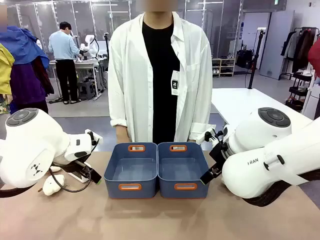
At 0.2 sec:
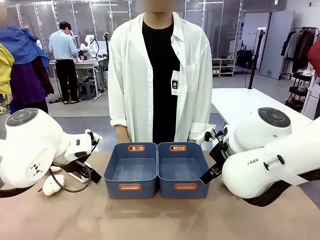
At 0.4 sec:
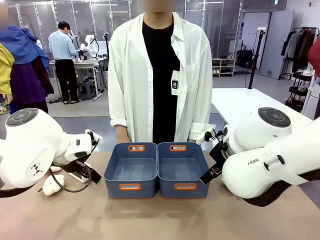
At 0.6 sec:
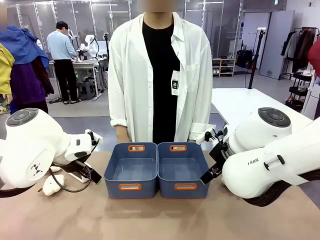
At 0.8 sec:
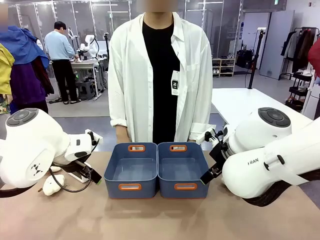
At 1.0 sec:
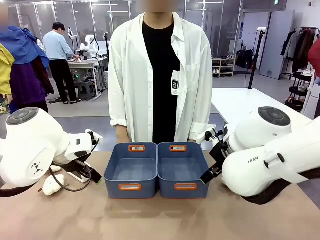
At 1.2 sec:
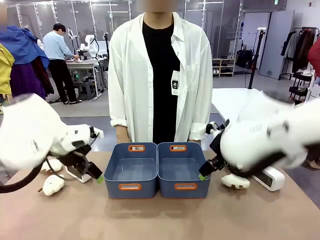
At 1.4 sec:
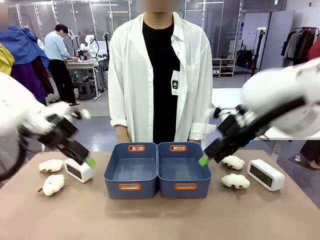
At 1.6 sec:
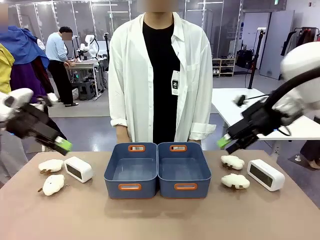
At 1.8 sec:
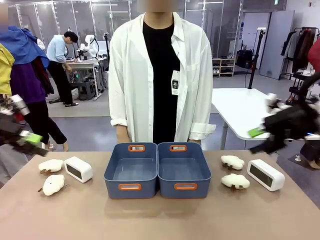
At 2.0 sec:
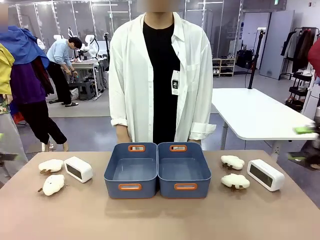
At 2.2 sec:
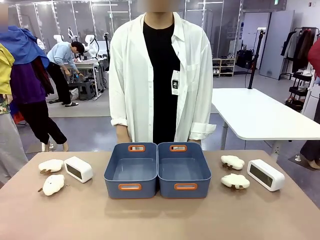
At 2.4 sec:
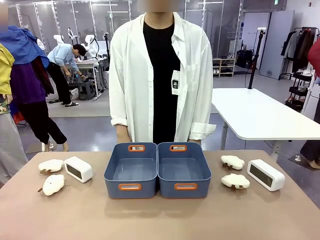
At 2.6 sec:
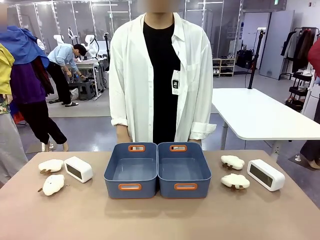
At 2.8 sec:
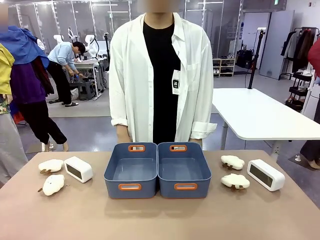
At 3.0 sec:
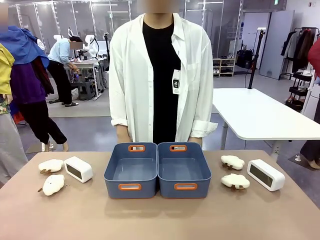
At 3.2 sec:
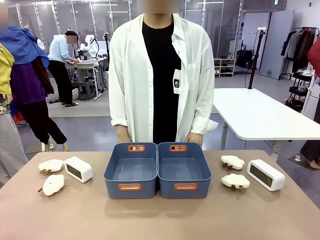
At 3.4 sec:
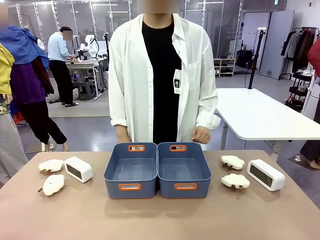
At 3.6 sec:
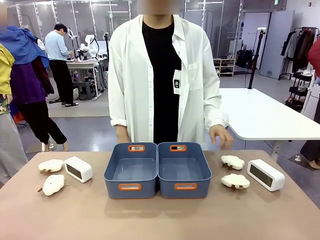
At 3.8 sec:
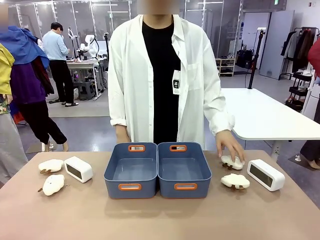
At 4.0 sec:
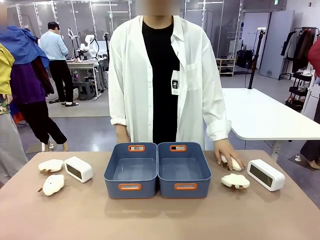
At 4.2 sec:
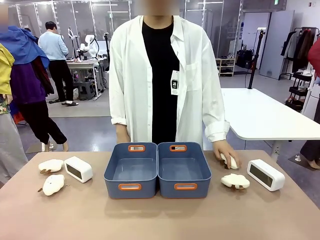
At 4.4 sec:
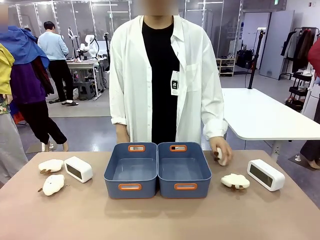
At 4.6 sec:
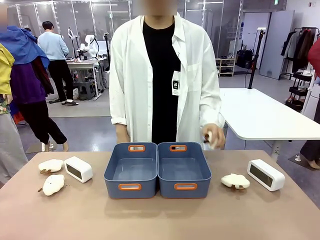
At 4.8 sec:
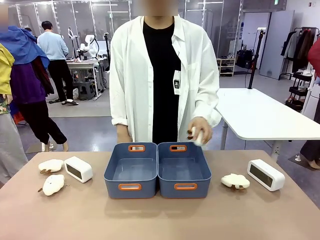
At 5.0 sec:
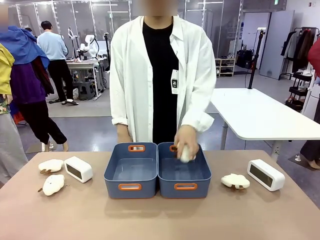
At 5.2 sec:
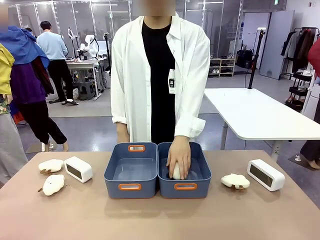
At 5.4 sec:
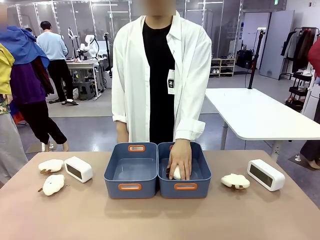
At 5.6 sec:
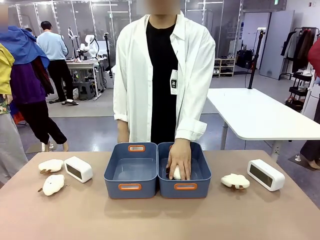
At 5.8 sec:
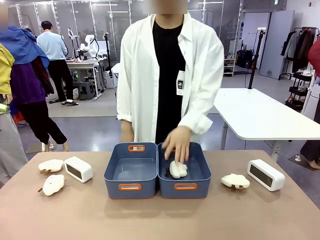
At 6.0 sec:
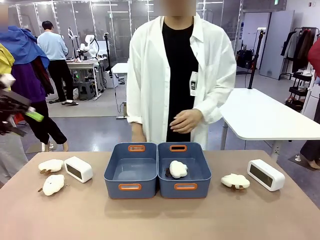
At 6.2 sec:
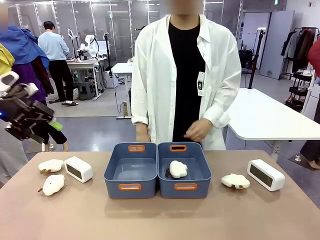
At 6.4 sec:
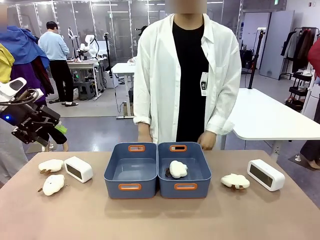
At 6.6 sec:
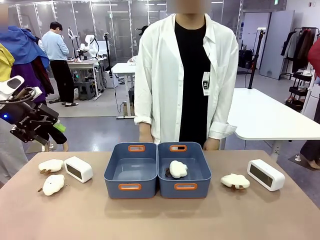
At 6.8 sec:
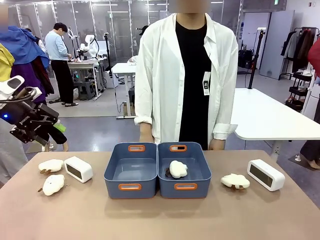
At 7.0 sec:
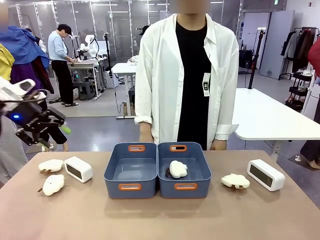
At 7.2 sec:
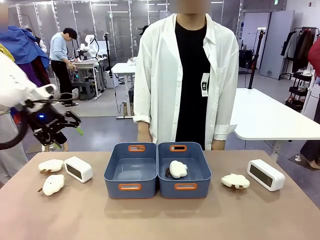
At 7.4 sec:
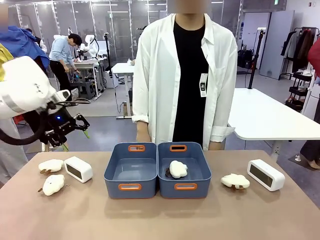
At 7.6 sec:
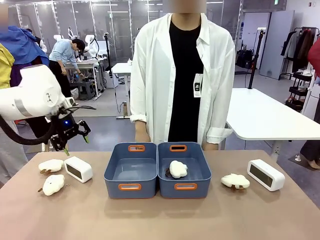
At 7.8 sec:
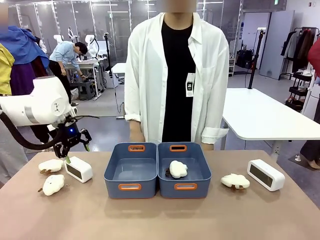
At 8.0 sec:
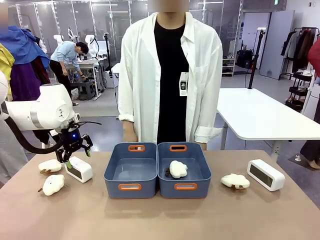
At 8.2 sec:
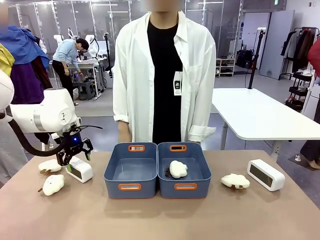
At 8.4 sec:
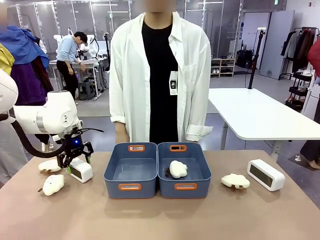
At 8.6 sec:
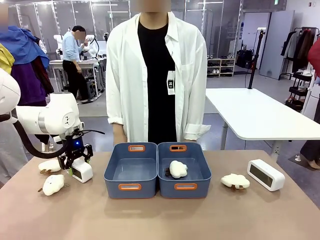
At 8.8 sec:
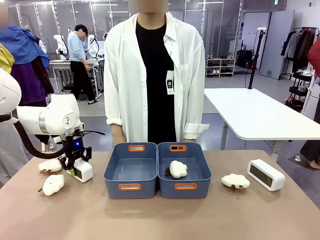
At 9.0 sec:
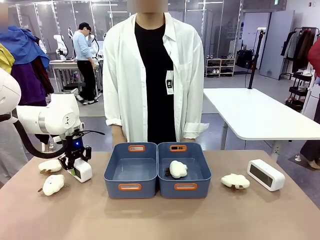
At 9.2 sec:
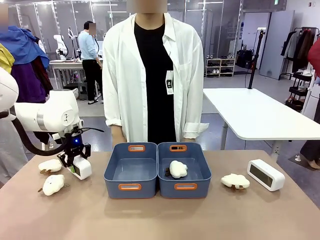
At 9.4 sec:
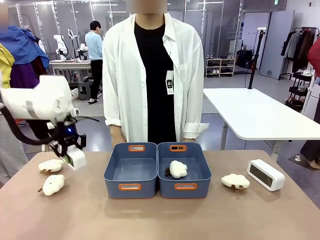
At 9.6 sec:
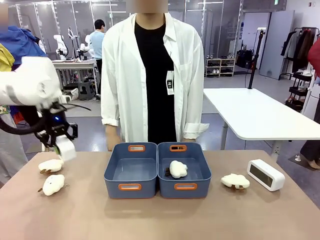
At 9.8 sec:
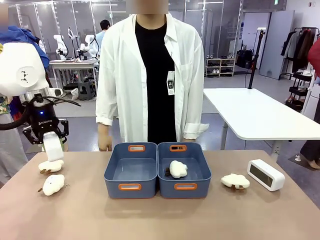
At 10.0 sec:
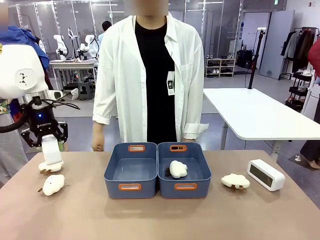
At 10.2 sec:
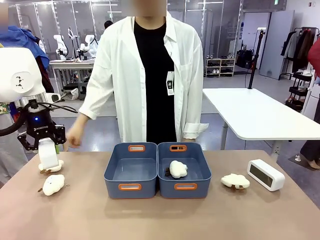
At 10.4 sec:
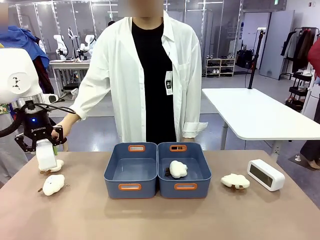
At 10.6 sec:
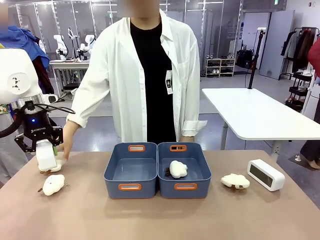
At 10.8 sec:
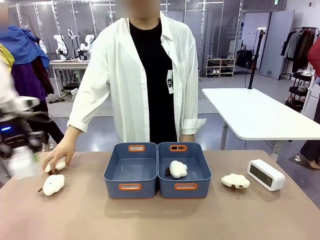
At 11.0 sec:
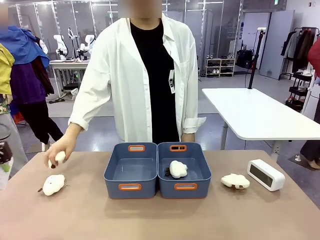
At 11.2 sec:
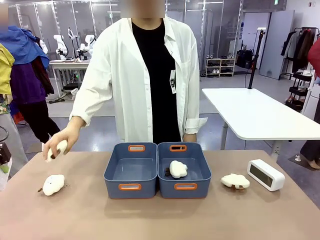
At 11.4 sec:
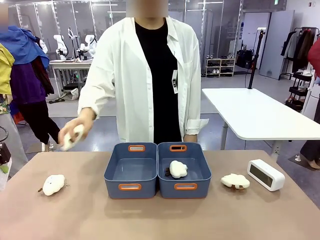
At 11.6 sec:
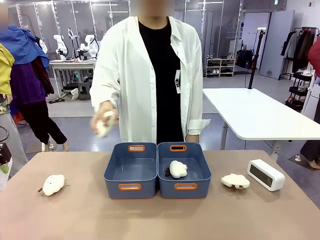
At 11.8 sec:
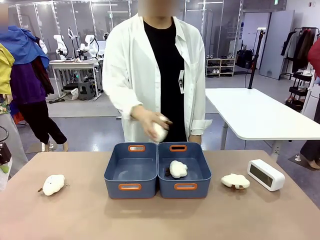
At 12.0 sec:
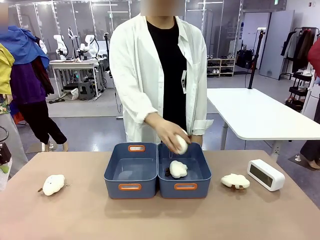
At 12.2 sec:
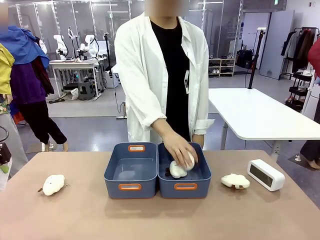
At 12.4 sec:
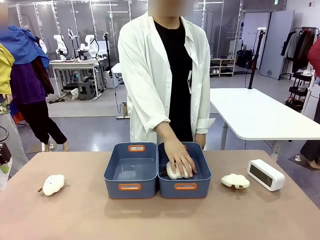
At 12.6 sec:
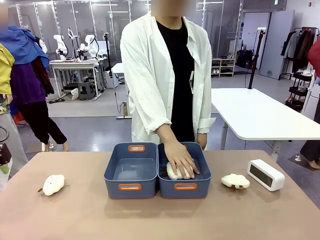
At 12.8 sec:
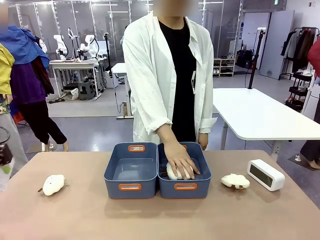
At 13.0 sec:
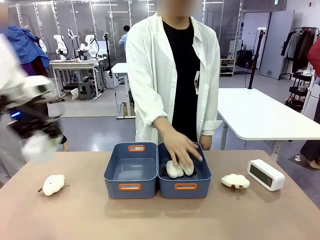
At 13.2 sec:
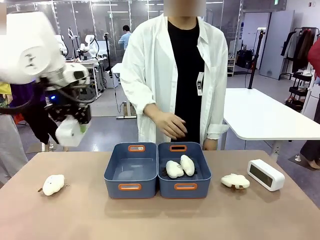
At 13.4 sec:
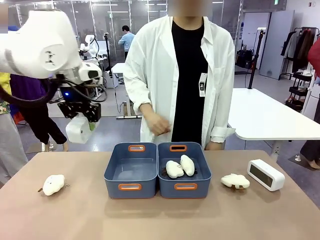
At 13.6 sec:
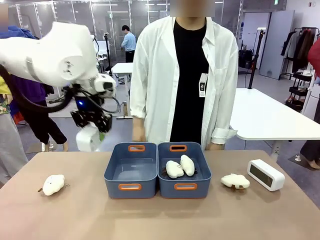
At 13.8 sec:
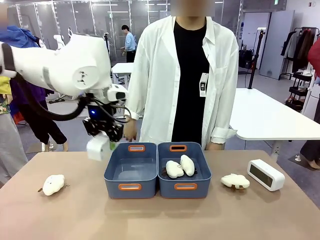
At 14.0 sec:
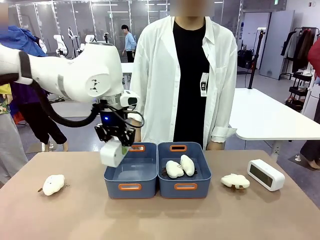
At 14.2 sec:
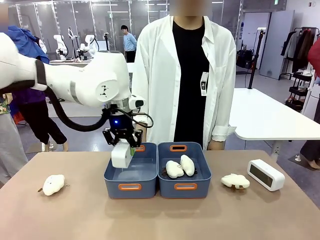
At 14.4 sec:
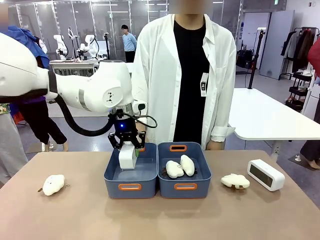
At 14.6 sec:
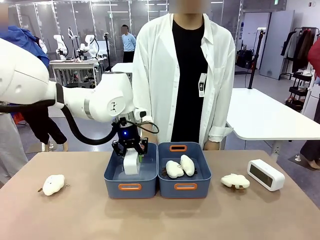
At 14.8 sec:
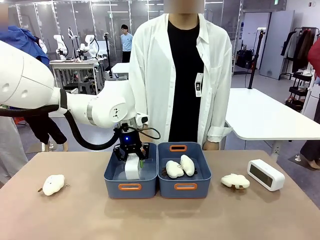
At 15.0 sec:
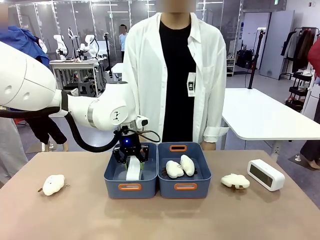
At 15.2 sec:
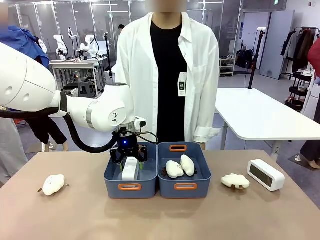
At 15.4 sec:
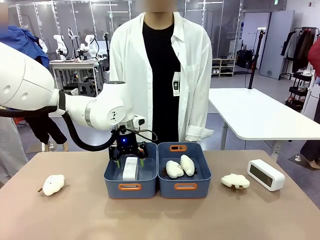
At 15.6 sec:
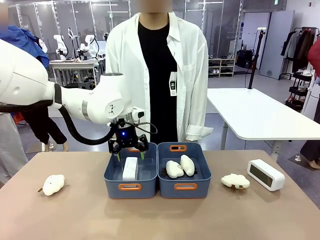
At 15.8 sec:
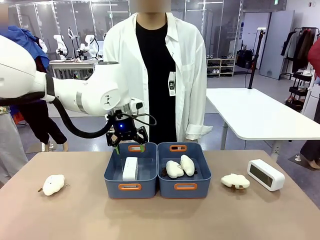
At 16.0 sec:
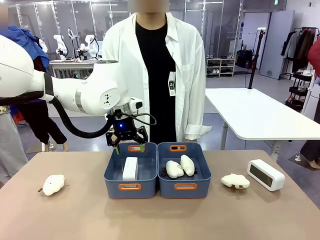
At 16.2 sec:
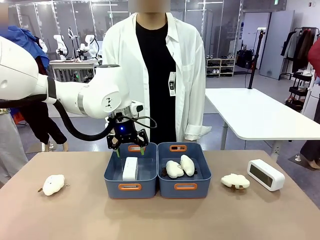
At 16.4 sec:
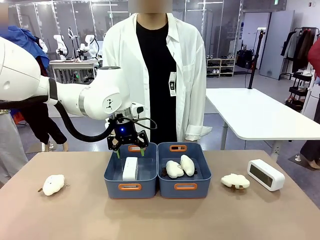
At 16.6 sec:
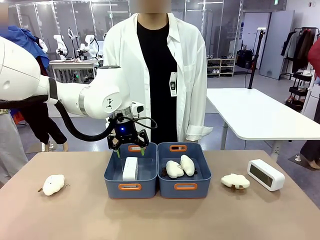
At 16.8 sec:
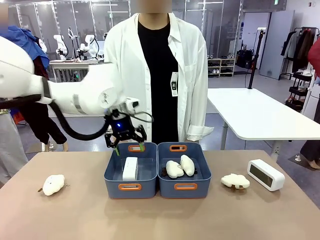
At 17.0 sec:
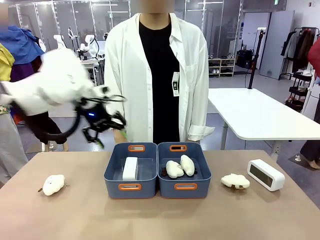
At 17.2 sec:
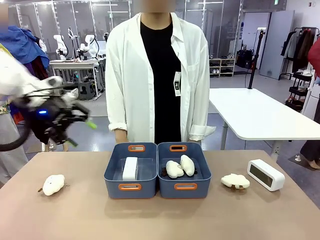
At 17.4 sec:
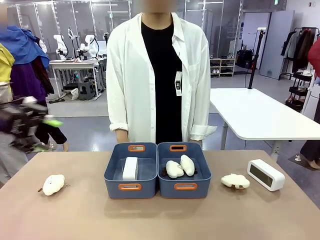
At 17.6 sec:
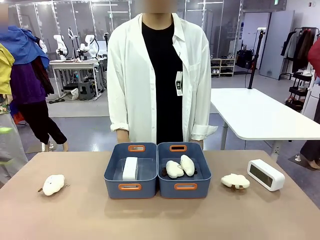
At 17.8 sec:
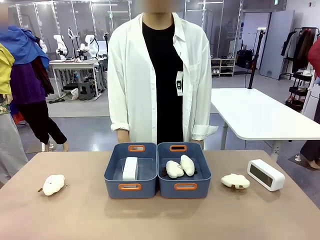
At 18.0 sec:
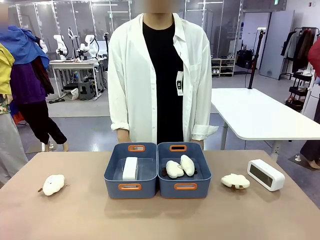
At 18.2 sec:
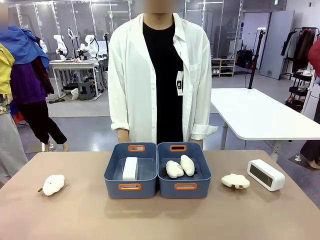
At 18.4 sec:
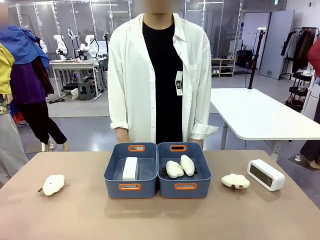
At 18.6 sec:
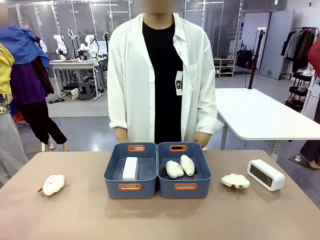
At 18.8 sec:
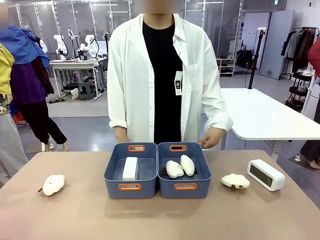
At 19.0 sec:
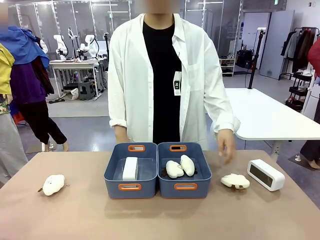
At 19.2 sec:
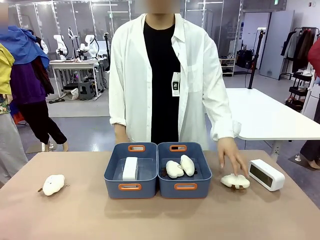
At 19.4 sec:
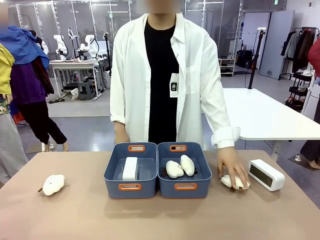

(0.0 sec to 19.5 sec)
Task: Sort the digital clocks into the basket.
Robot: Pick up the Digital clock from the table and place it into the empty Plastic storage basket.
Person: Pick up a plush toy from the table and place it in a plastic storage basket.
